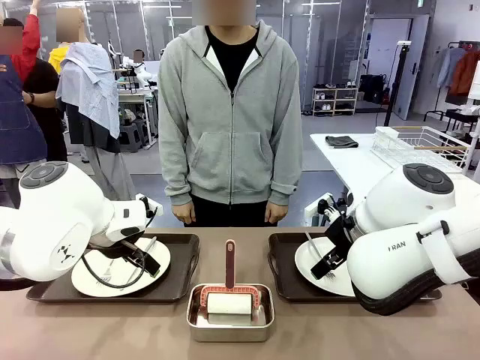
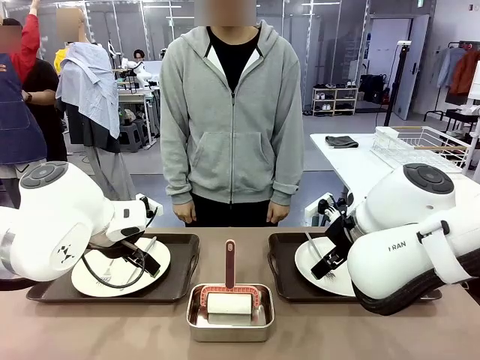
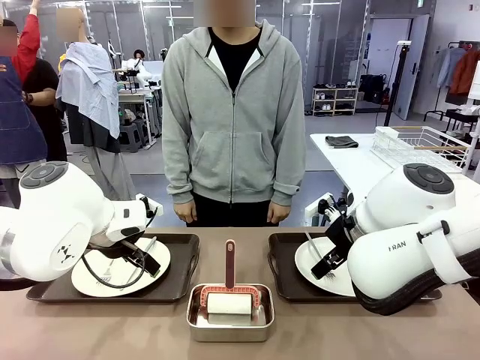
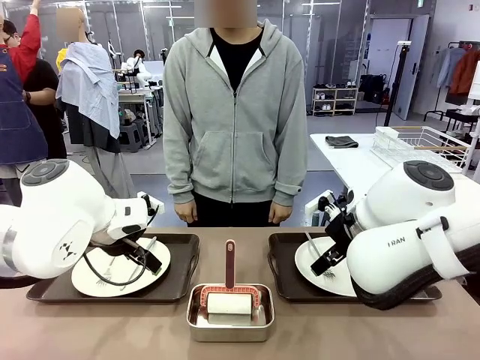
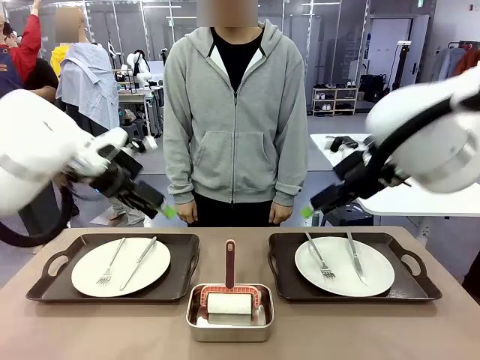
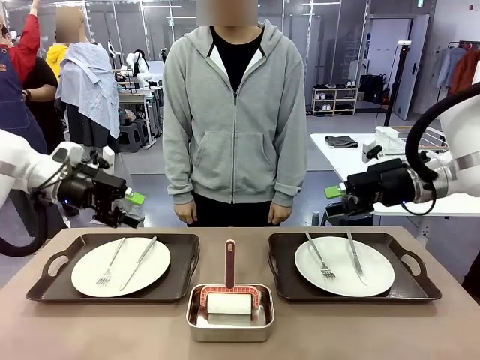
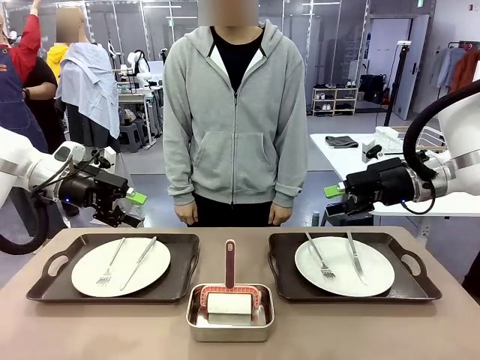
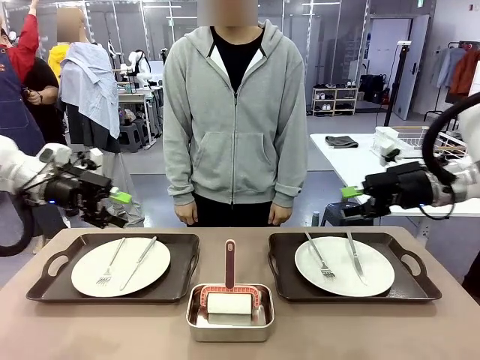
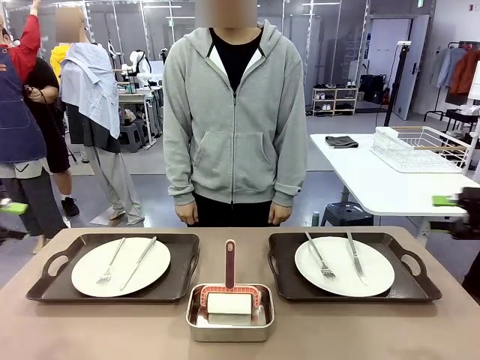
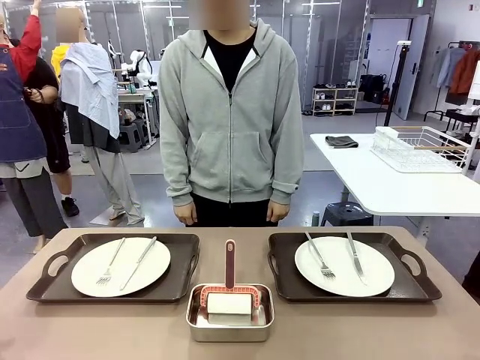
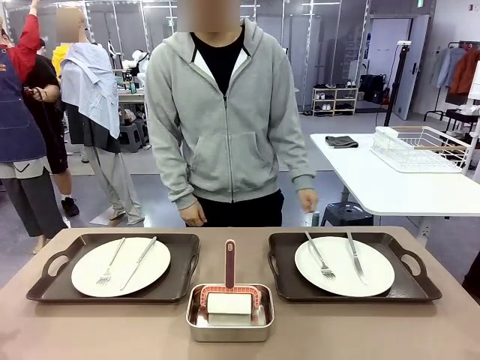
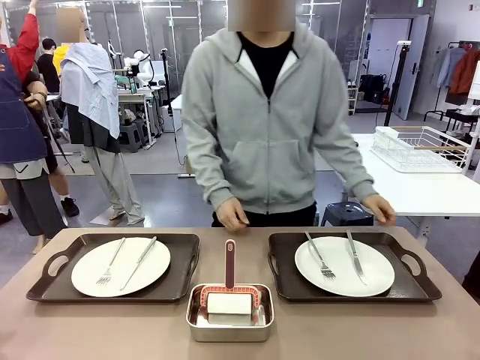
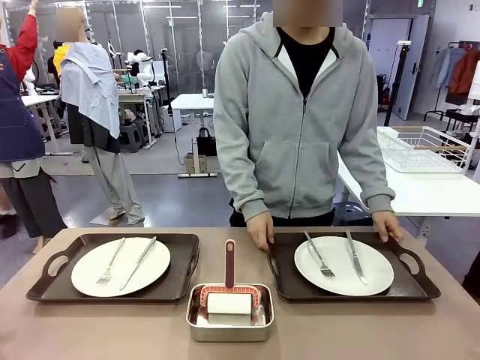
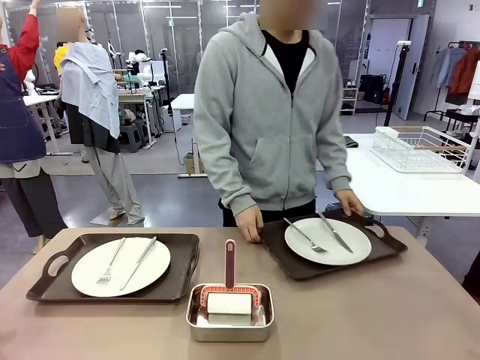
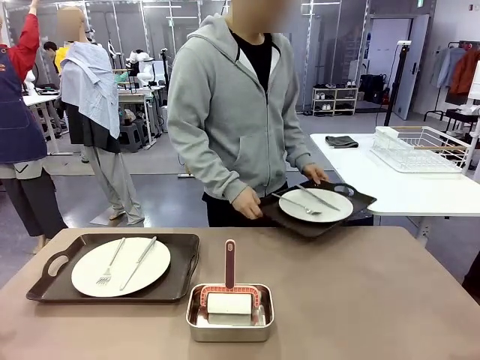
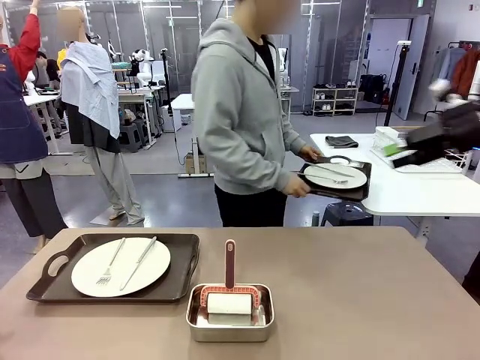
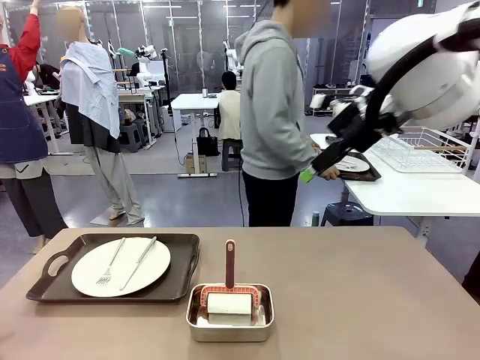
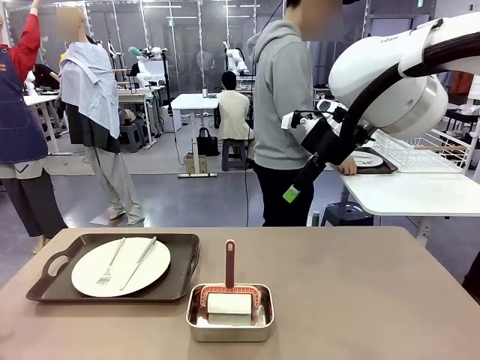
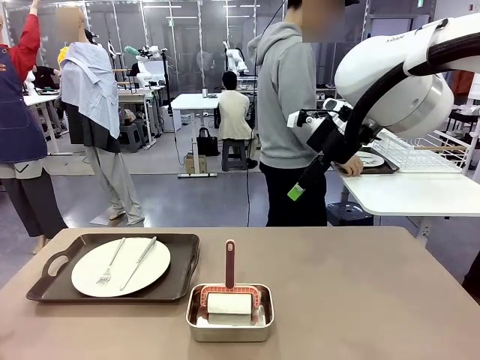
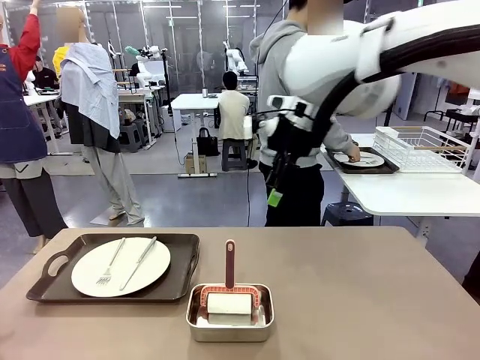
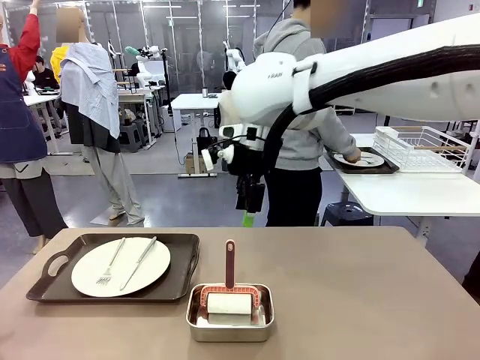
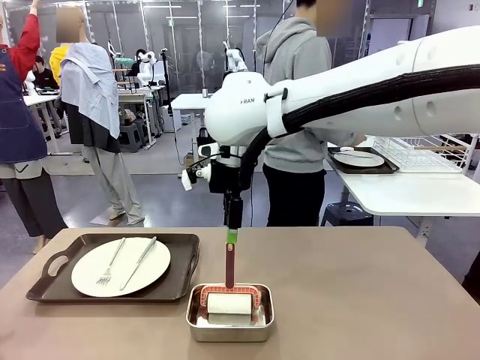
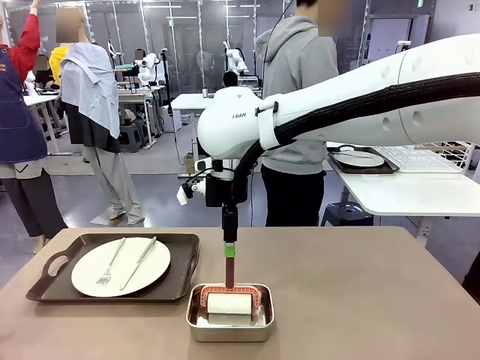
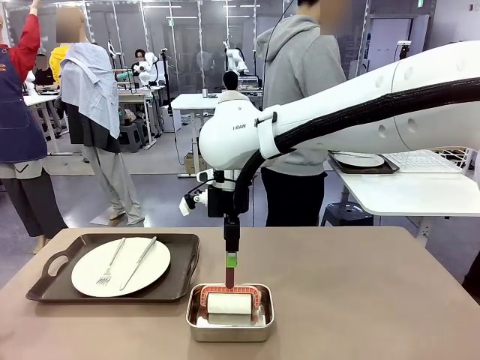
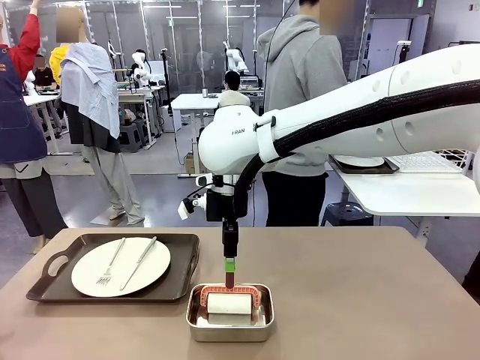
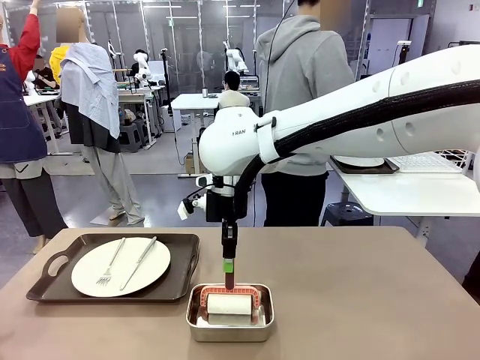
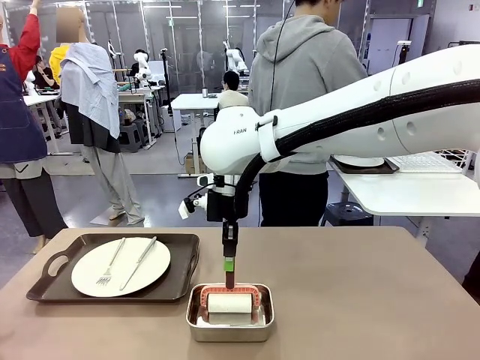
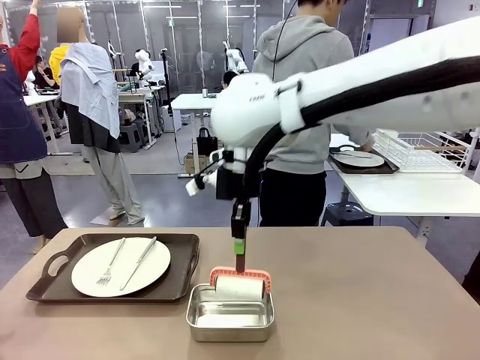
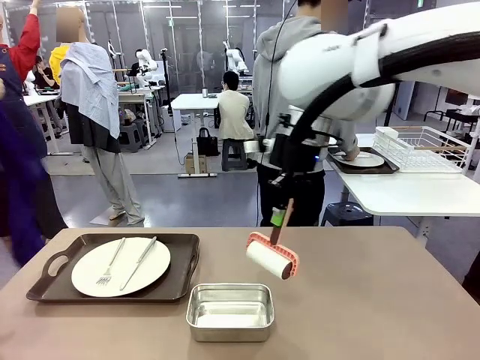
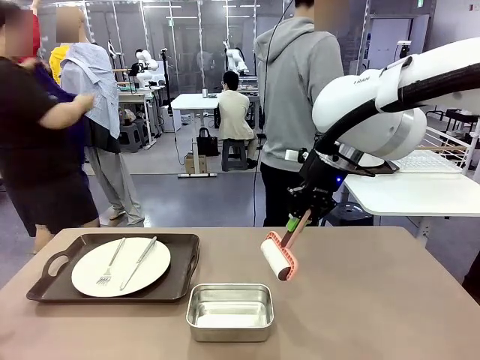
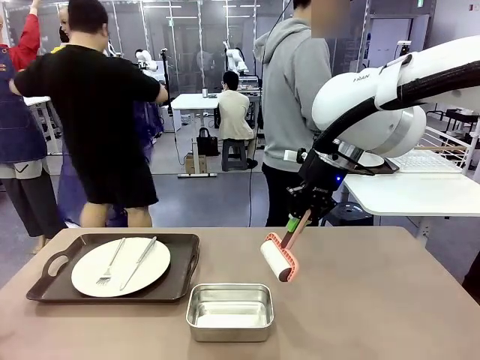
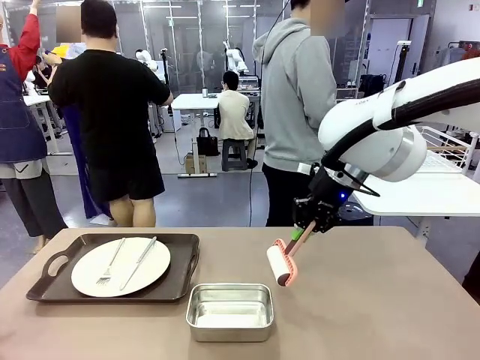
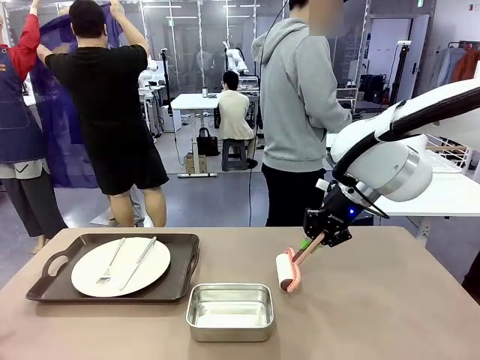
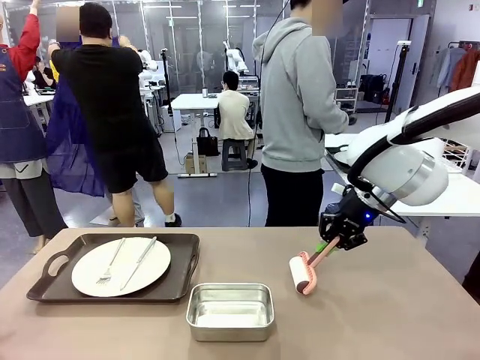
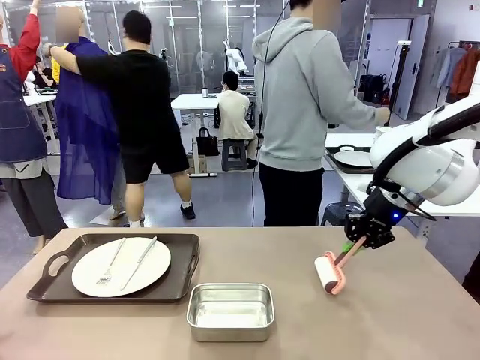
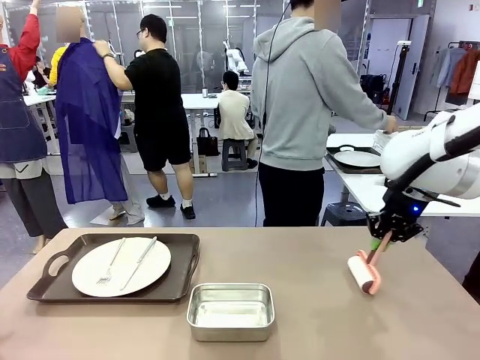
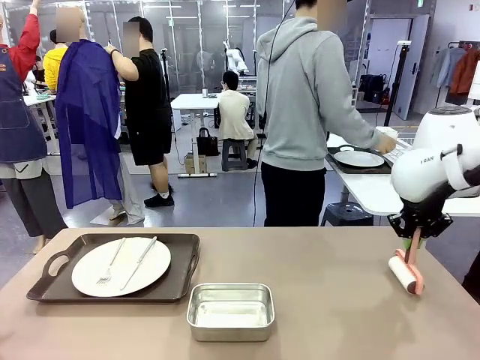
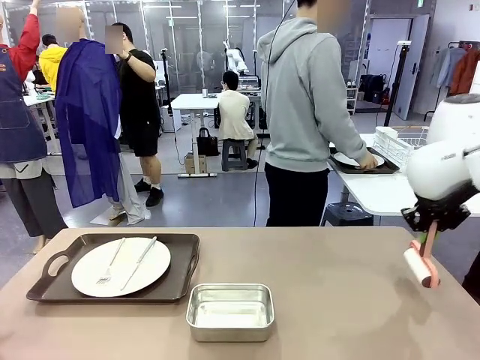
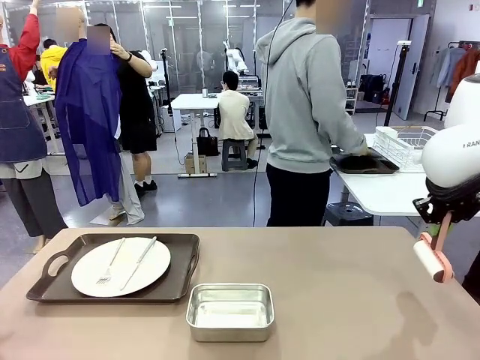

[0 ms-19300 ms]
Robot: When the left (or right) Handle tray is removed, use the left hand (or right hand) to clean the left (or right) side of the table with the Lint Roller.
Person: Pick up the left (or right) Handle tray and place it on the middle of the Human's table. Use the Towel with hook to wipe the Plastic Matte Plate , Fork , and Knife and place into the Dish drying rack.

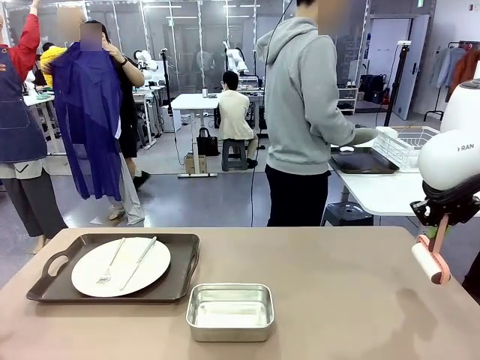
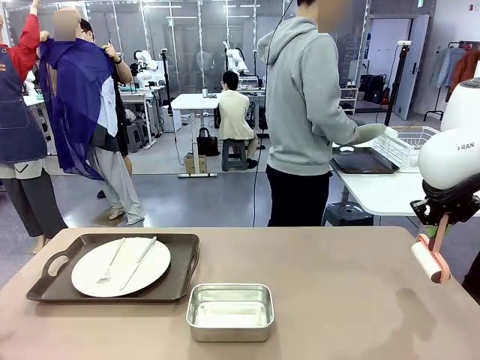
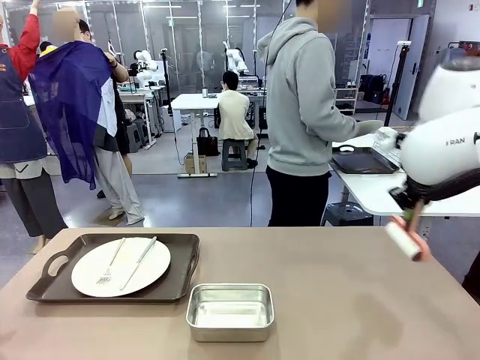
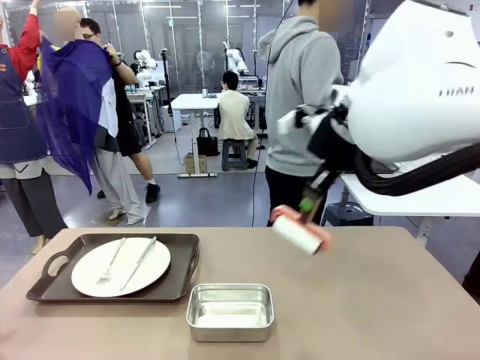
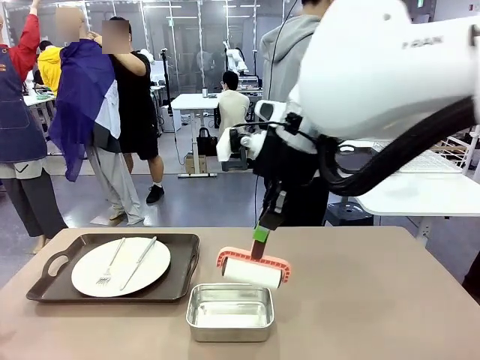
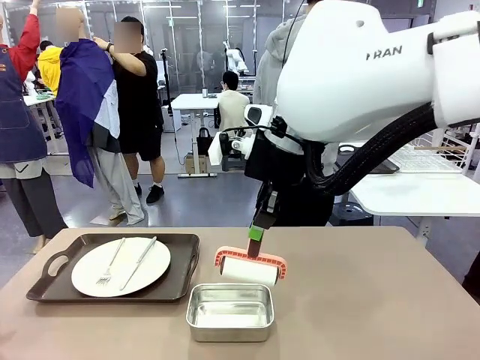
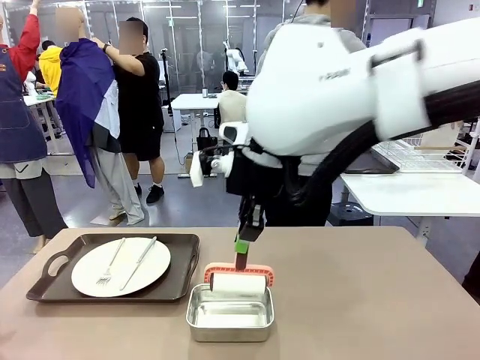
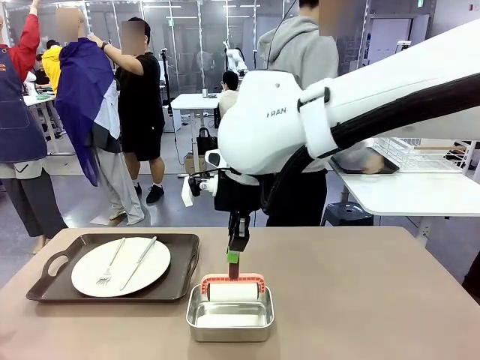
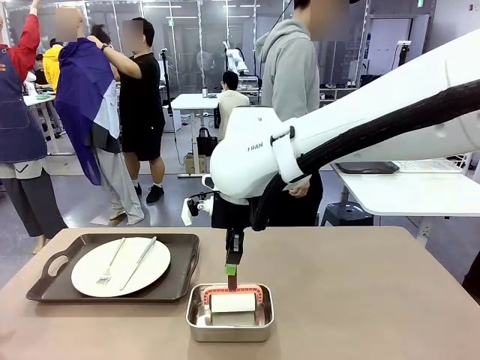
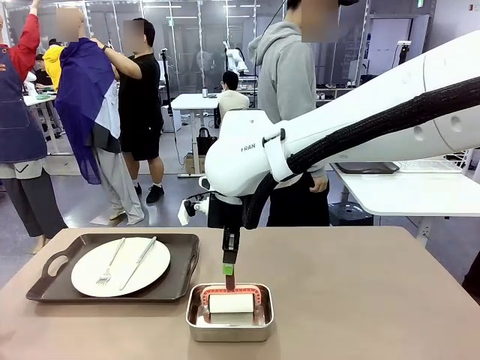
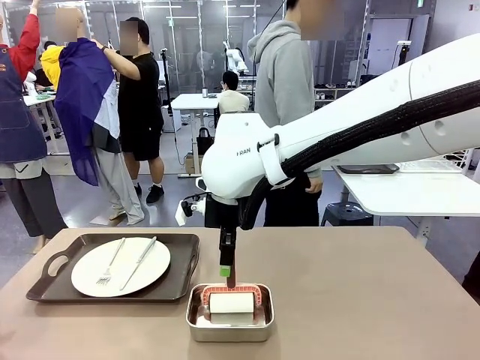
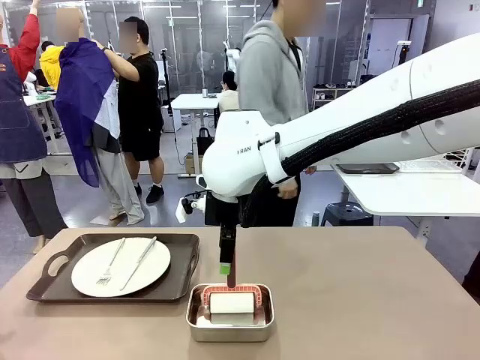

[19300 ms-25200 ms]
Robot: Place the Lint Roller back on top of the Airtight Container.
